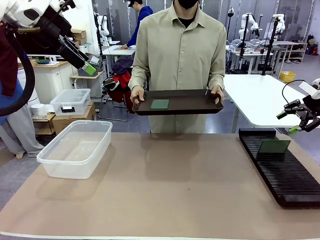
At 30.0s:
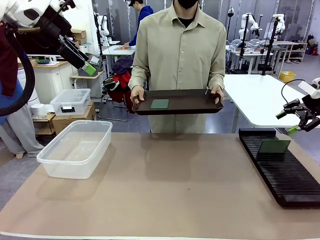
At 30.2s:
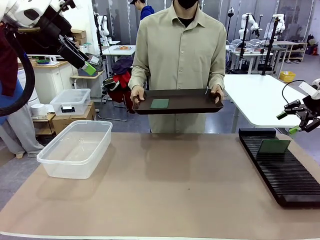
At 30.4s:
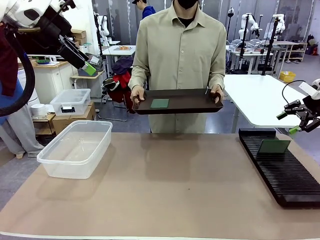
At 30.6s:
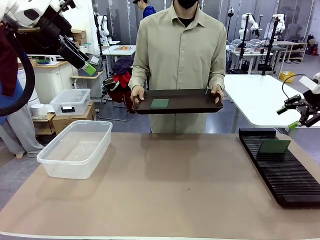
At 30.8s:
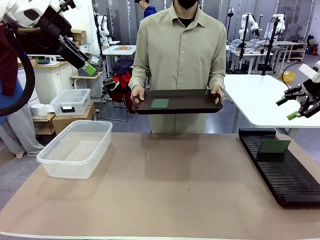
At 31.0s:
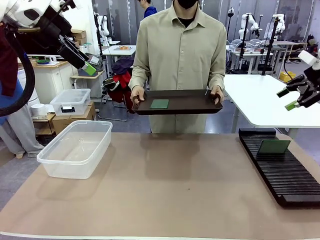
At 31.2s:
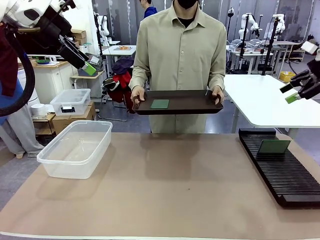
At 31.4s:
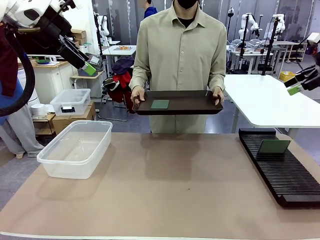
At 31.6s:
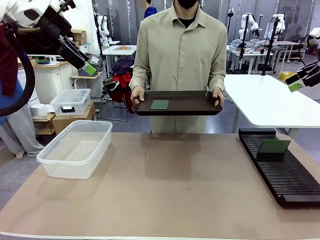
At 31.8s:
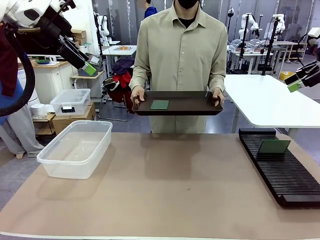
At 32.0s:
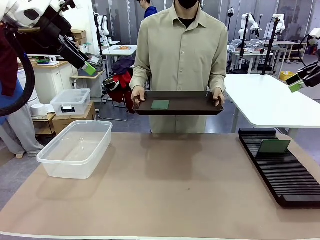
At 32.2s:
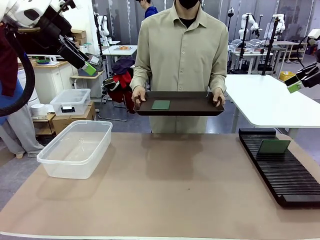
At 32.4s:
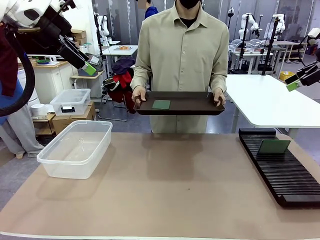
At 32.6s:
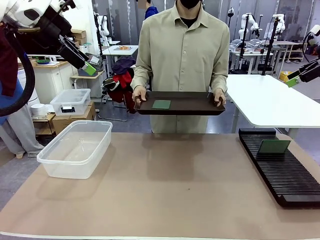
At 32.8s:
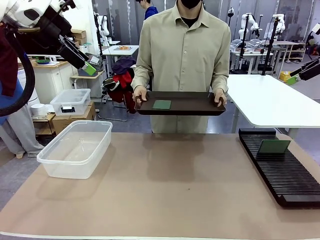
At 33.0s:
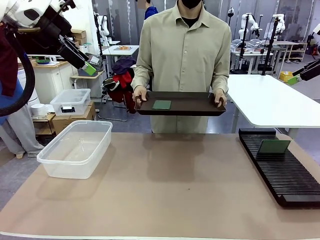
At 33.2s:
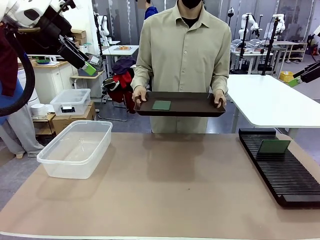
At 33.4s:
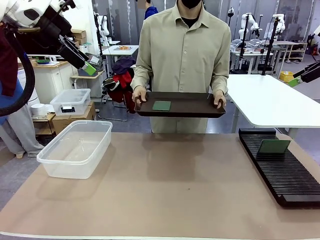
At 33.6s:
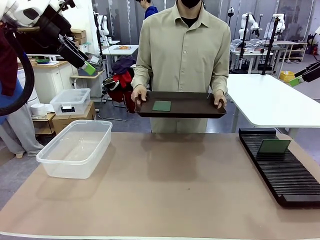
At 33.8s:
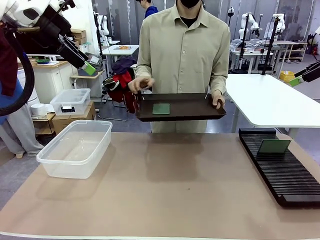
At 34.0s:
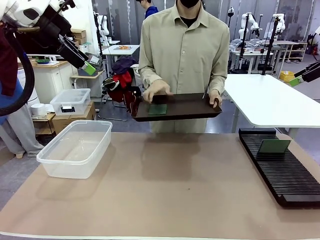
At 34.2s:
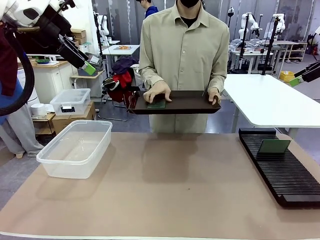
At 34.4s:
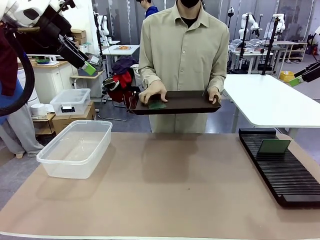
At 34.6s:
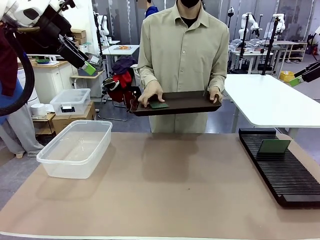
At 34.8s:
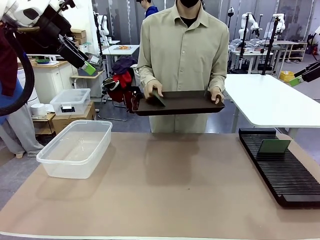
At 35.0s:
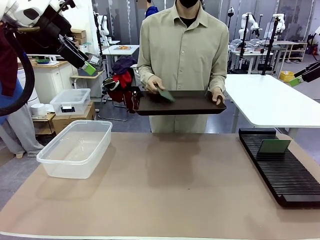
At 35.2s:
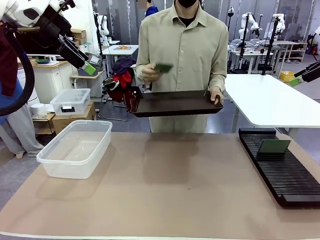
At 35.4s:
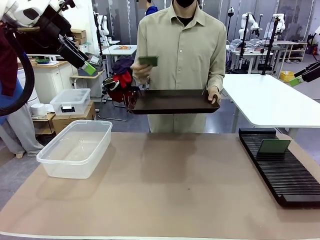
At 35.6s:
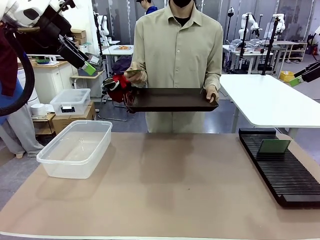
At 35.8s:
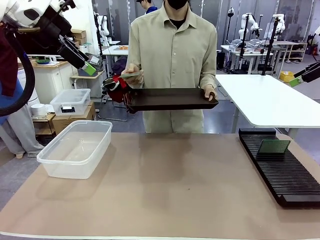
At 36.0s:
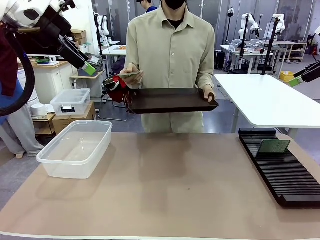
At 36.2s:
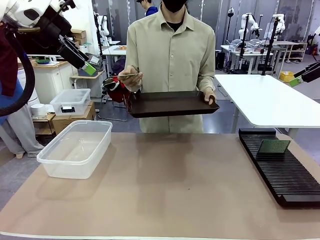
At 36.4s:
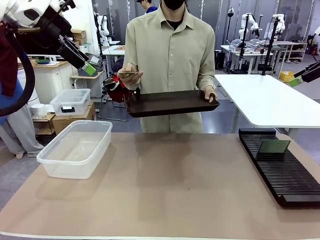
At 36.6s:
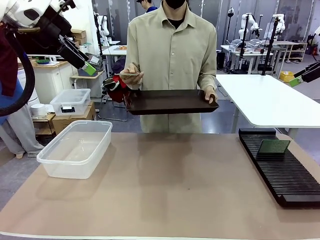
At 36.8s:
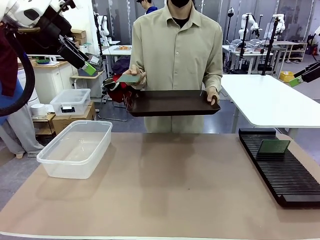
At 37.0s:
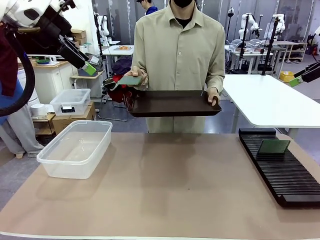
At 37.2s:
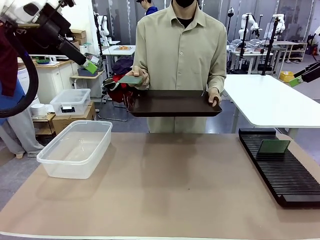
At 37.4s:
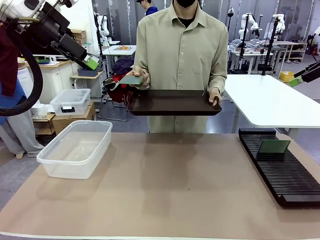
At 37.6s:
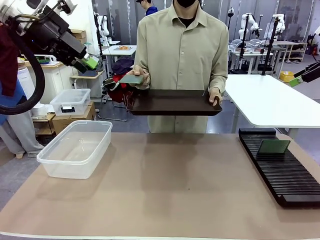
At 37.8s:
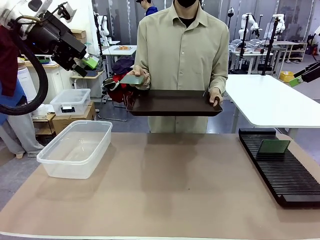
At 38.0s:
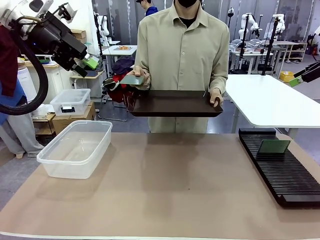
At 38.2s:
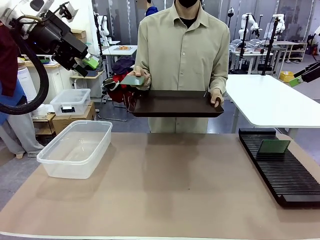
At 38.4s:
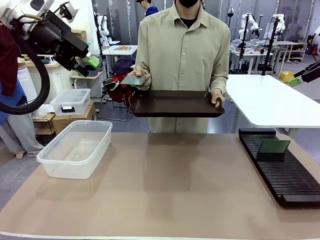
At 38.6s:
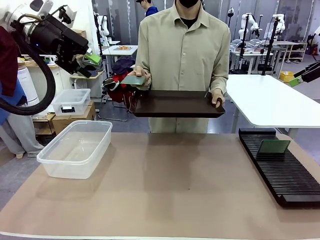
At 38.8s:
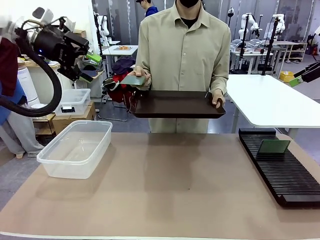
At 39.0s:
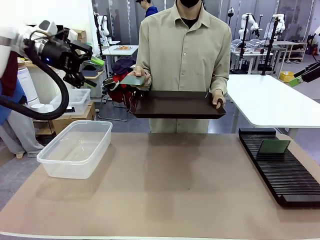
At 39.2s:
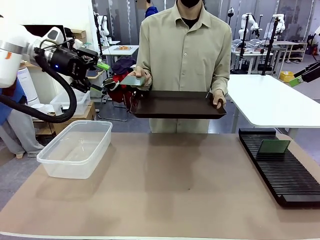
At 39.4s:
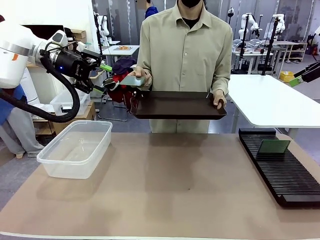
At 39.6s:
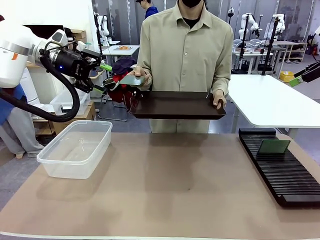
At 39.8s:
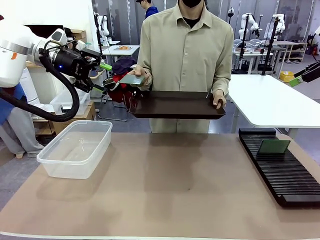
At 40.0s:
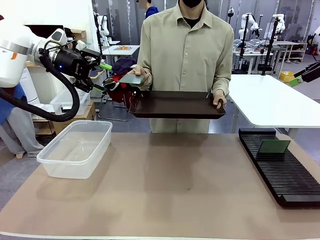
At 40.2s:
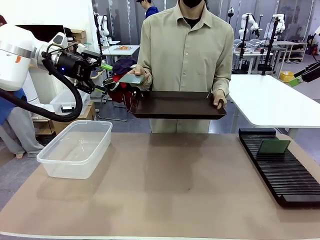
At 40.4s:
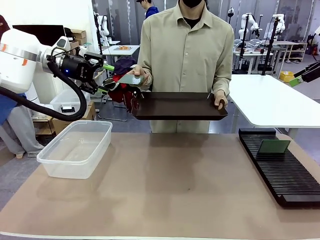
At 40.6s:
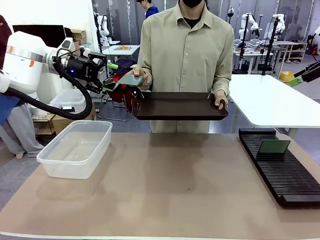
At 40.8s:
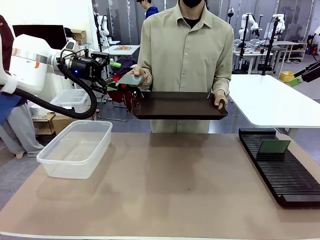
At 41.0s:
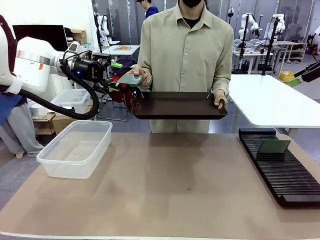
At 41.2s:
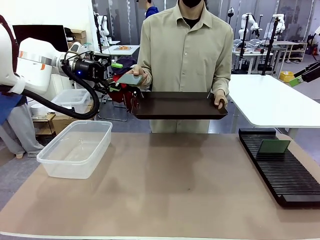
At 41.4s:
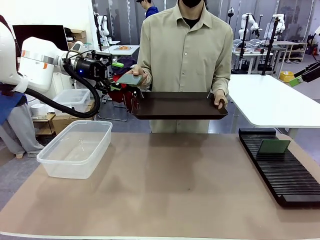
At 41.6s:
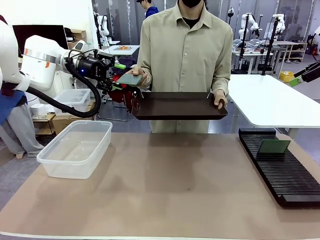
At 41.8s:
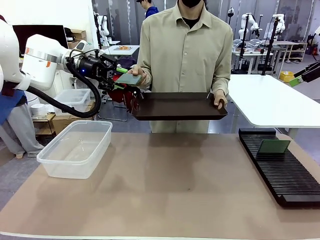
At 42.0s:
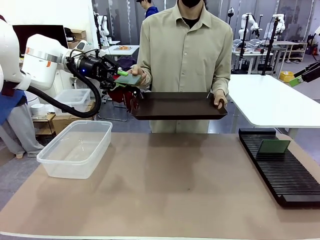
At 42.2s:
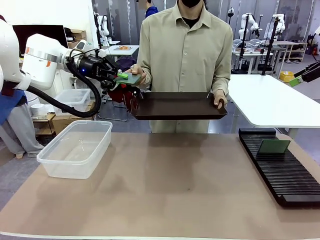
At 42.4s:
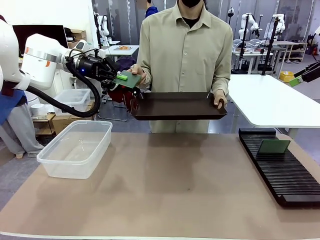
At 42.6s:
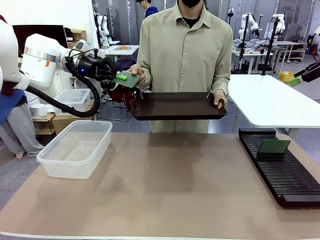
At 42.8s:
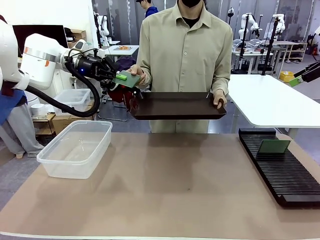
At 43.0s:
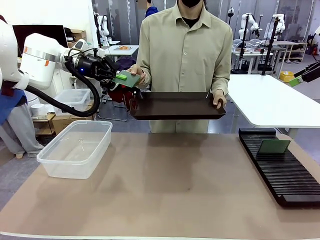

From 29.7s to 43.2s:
Task: Sort PCBs into racks and boxes based on the side picked up.
Robot: Pick up the Blank PCB handed by the Human.
